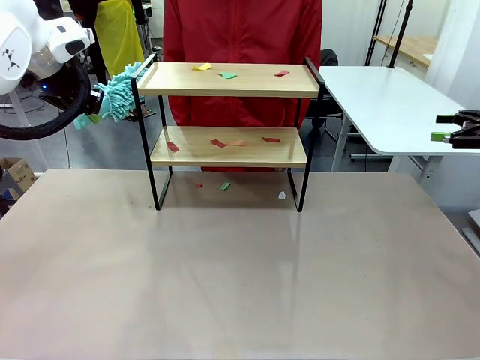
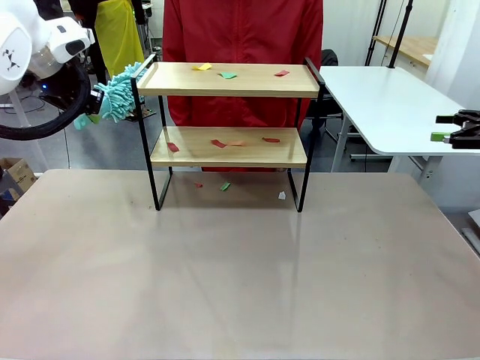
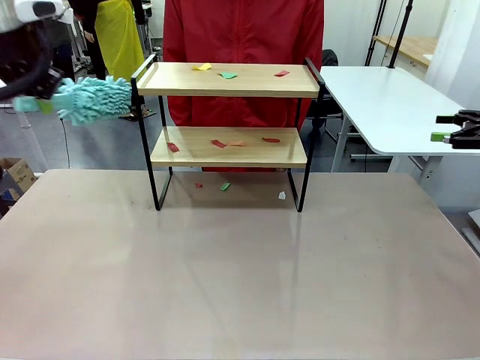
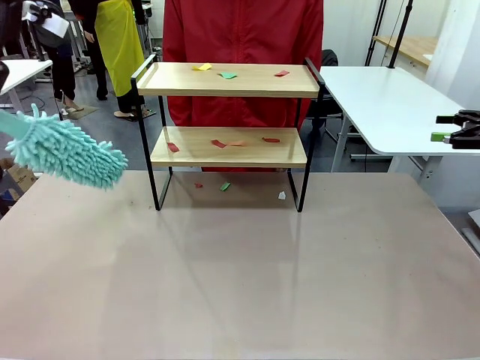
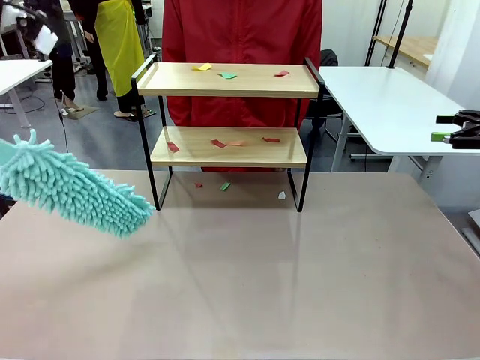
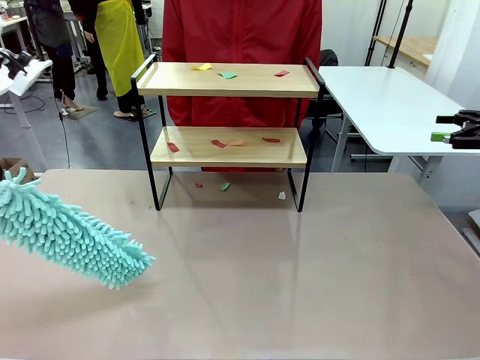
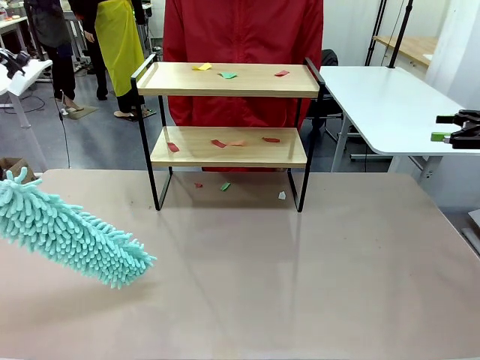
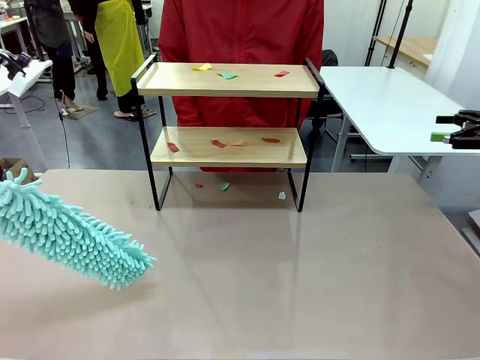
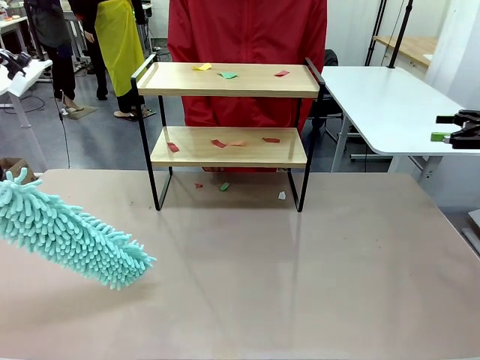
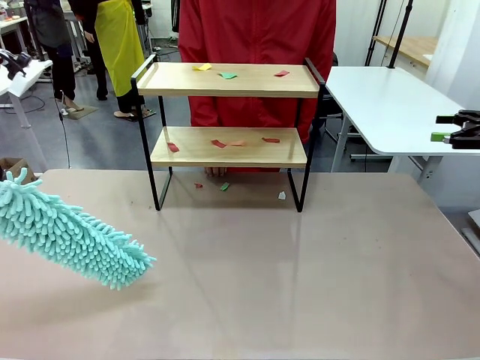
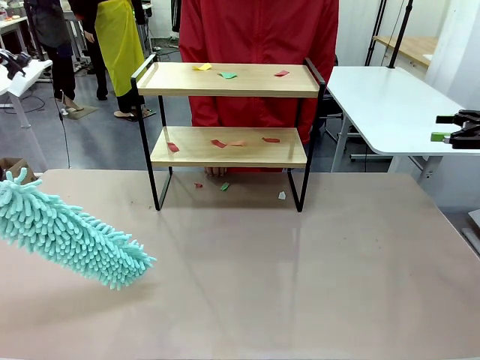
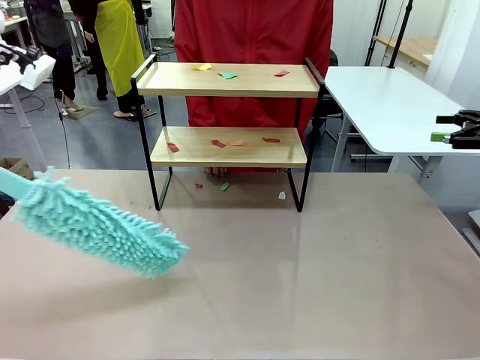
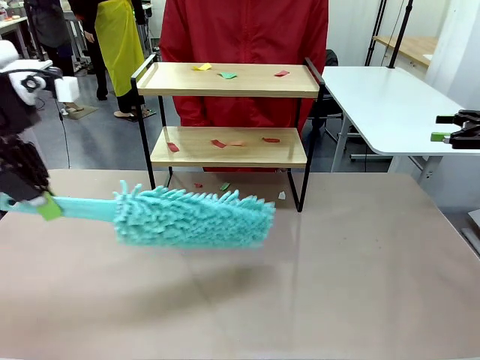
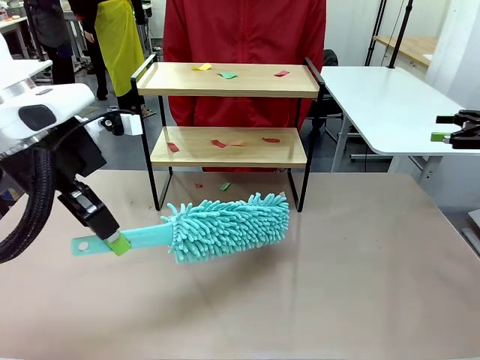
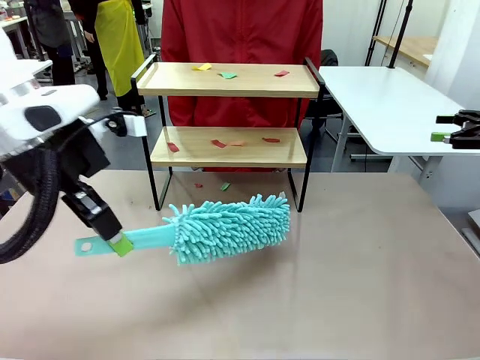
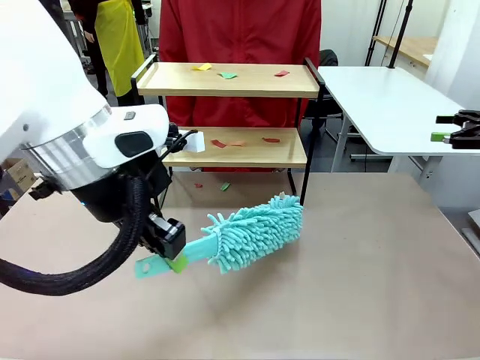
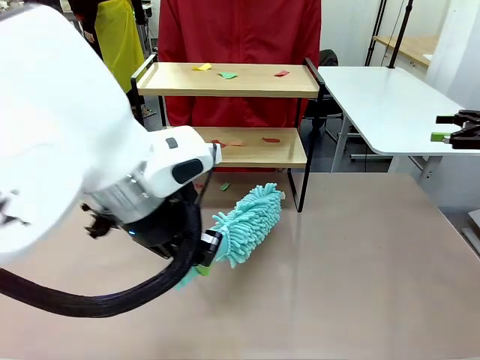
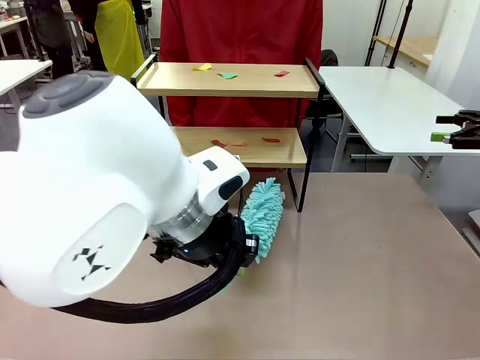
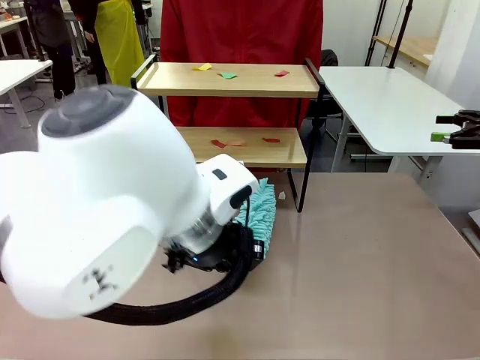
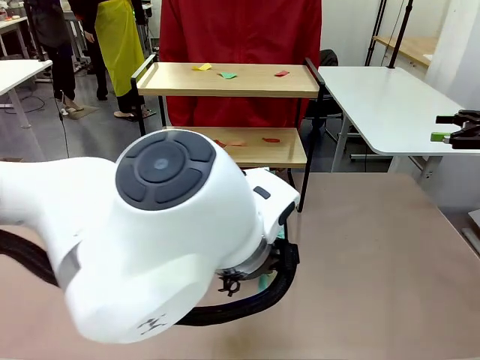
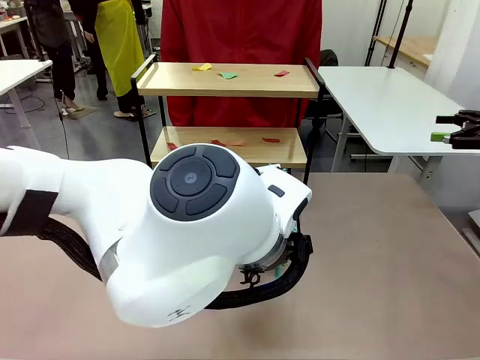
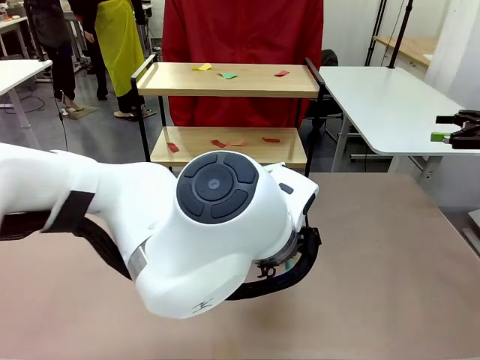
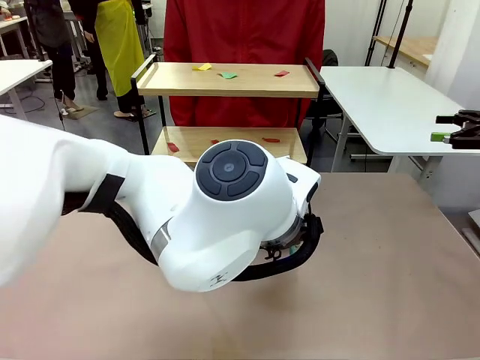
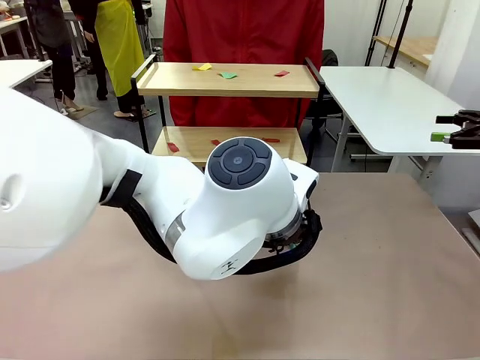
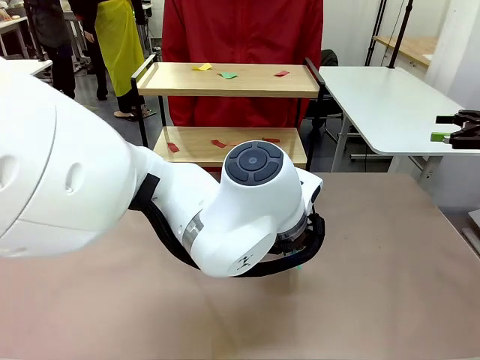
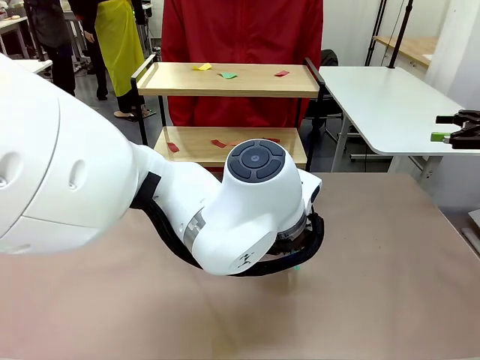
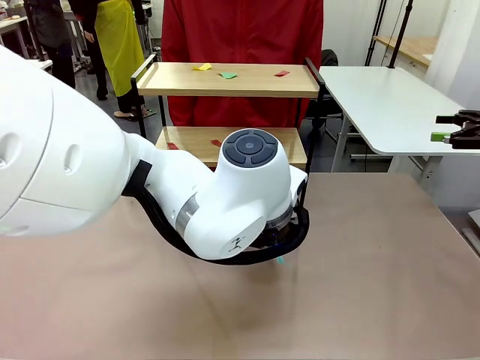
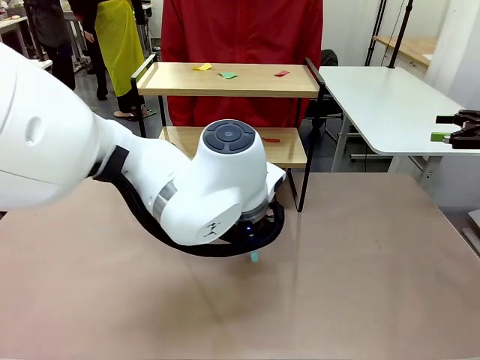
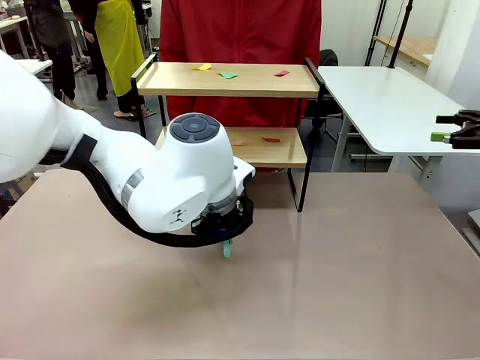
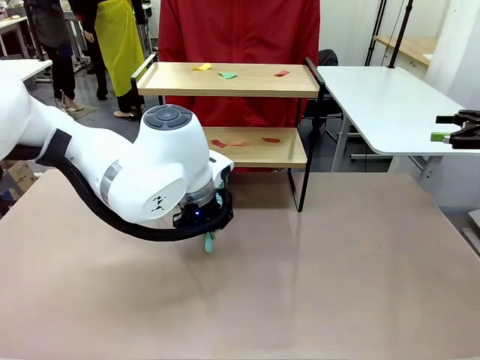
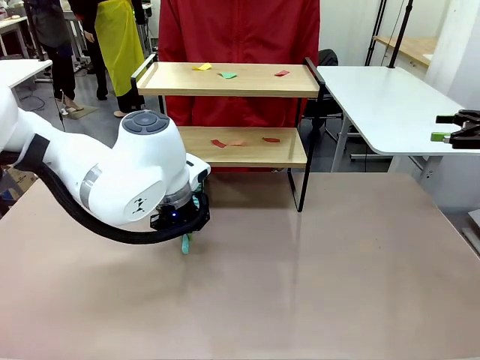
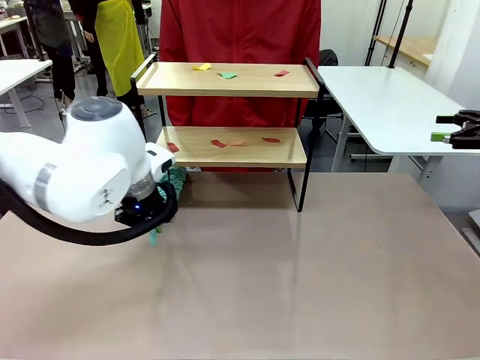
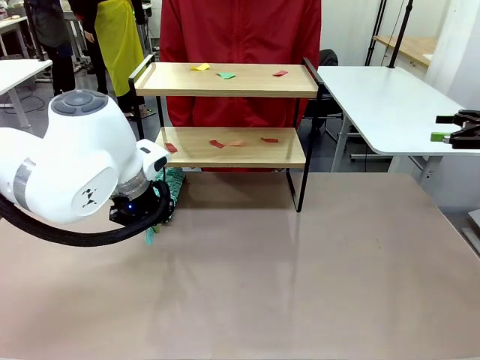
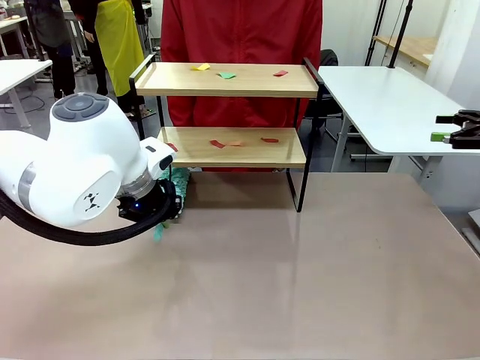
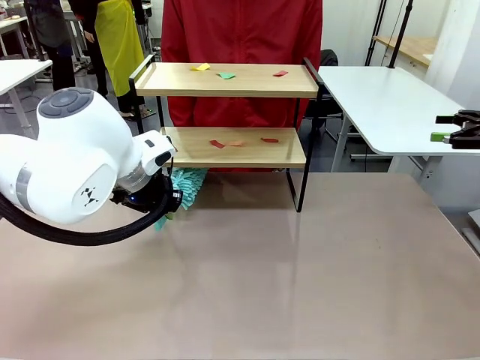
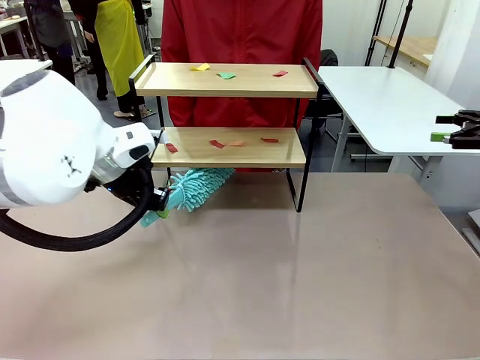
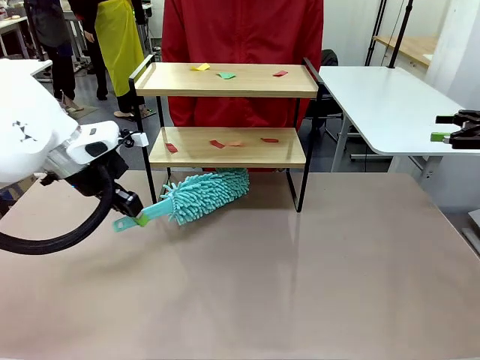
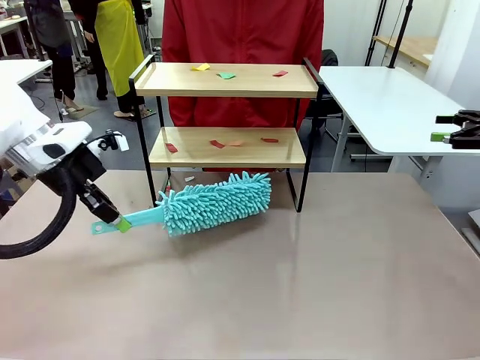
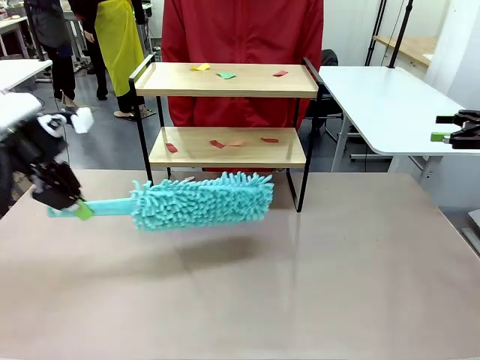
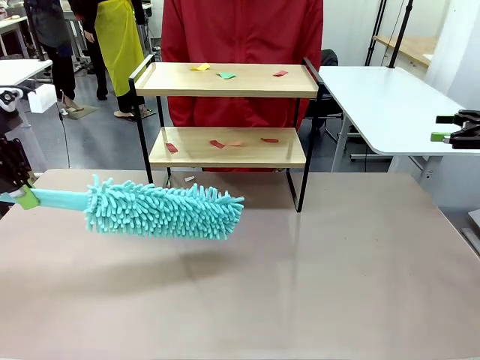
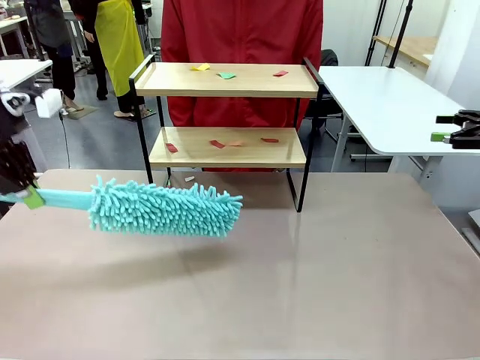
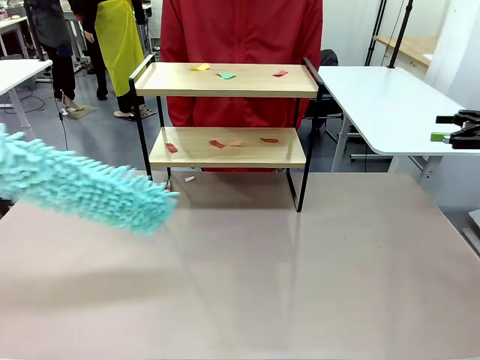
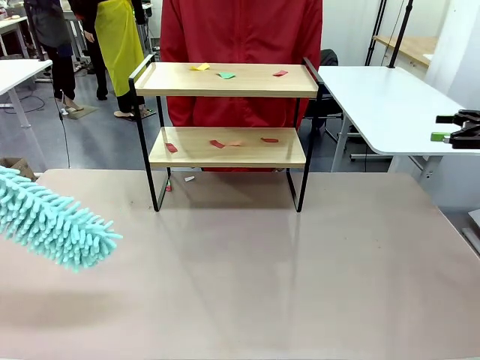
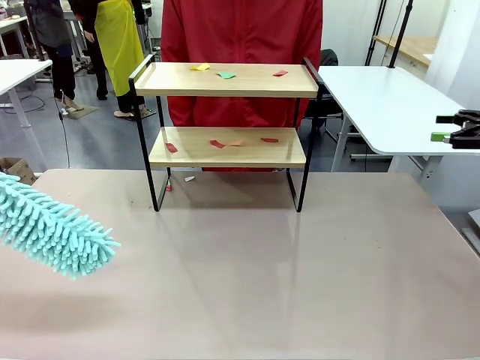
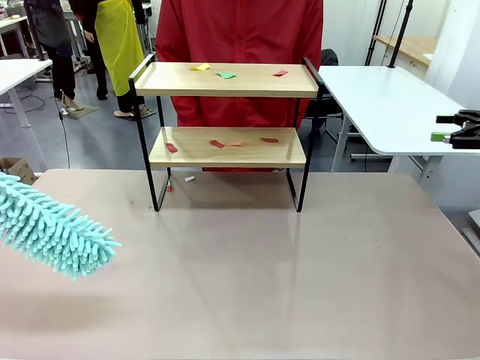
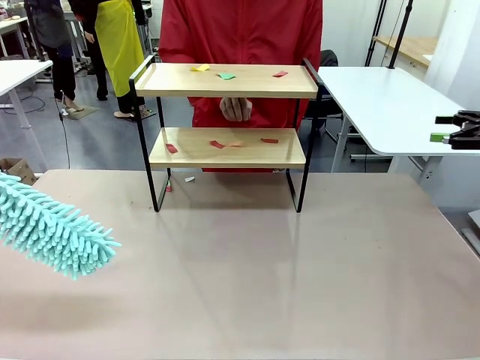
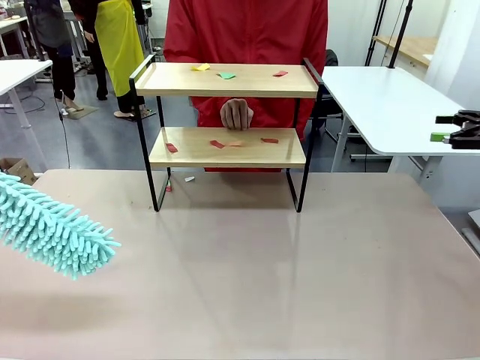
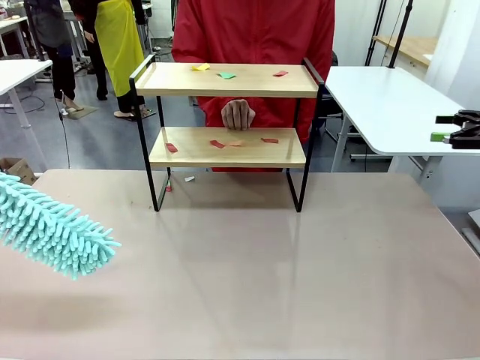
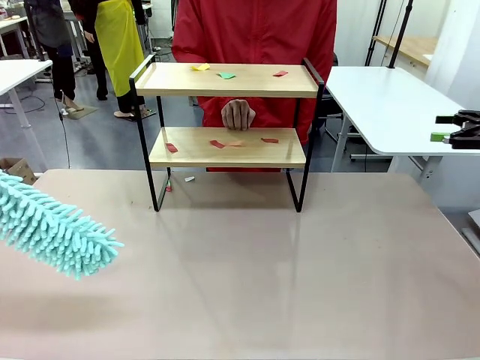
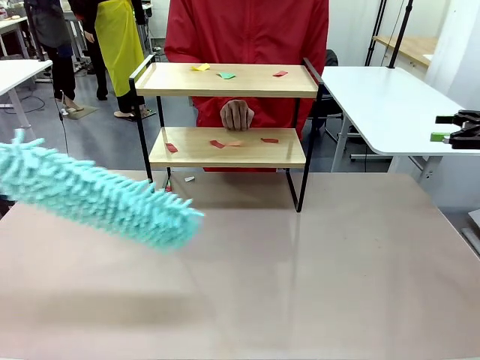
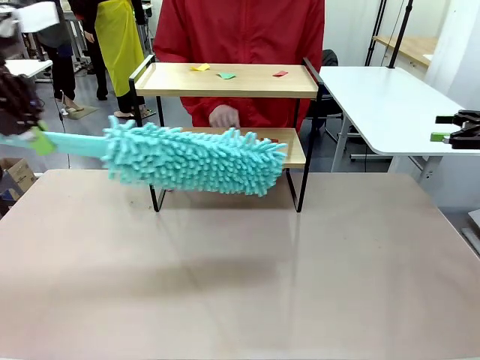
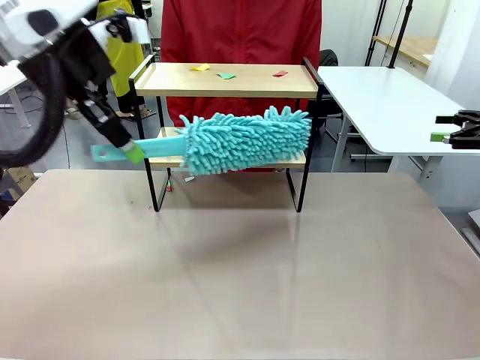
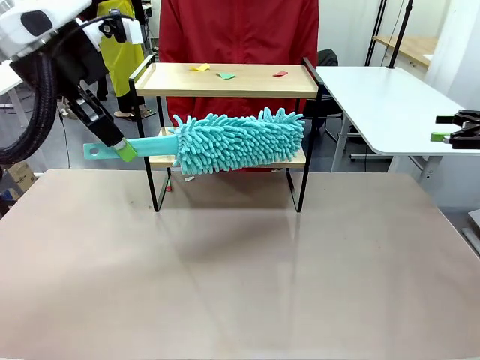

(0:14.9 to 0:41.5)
Task: Clean the shelf.
Robot: Clean the specific section of the Shelf indicated by the human with the Duster.
Person: Point a random section of the Shelf.
